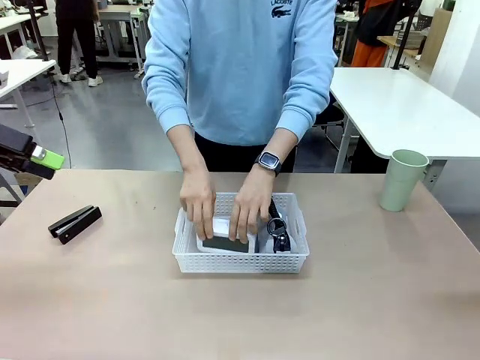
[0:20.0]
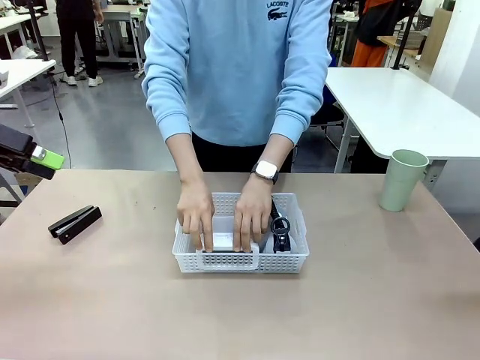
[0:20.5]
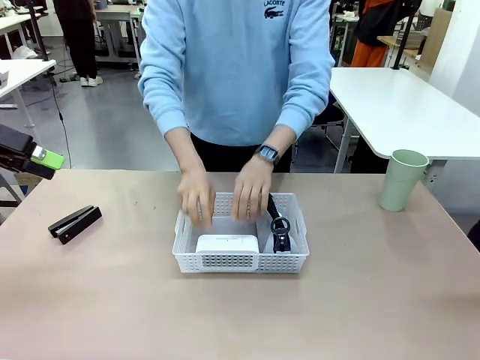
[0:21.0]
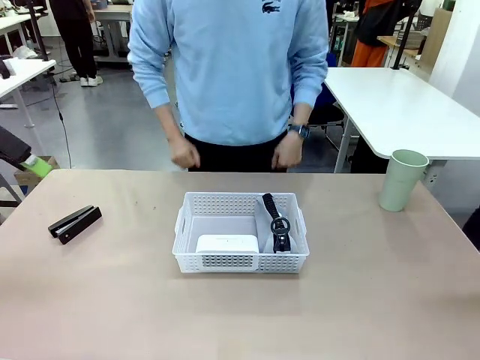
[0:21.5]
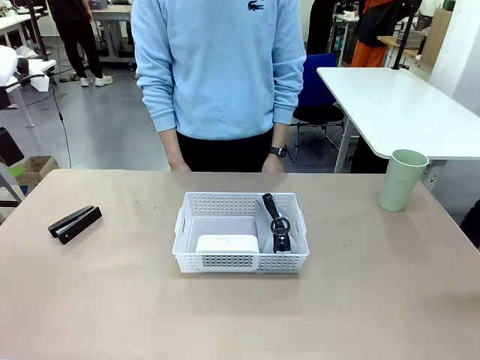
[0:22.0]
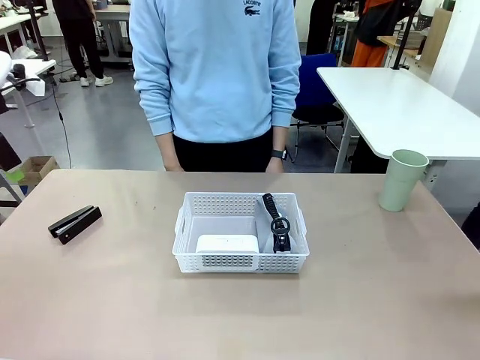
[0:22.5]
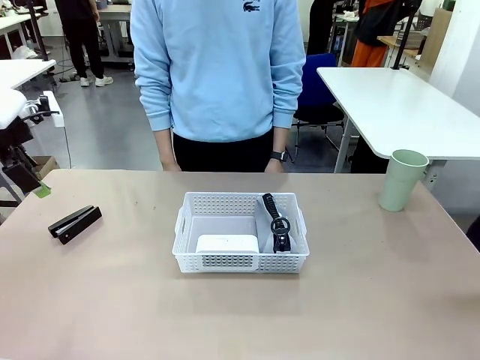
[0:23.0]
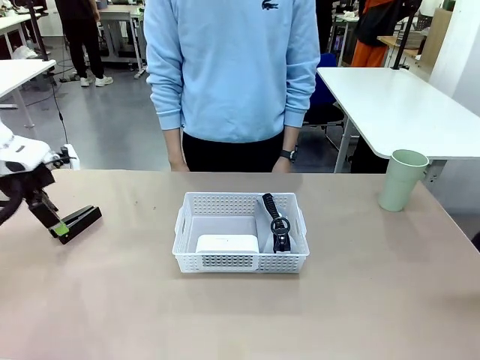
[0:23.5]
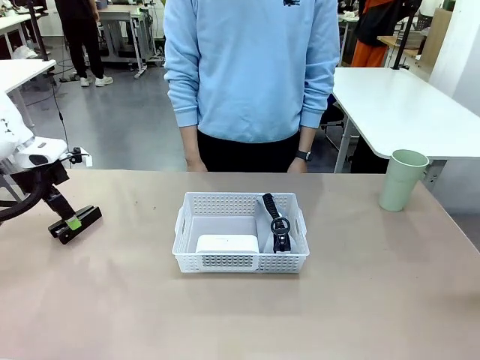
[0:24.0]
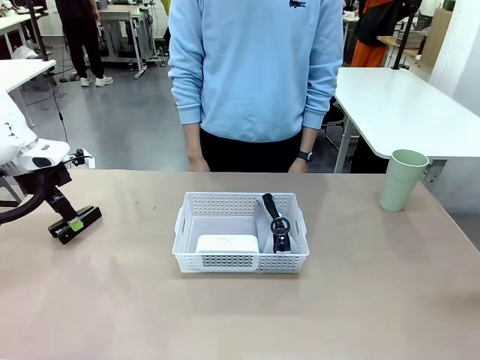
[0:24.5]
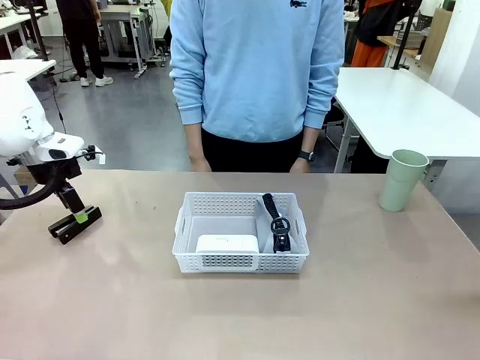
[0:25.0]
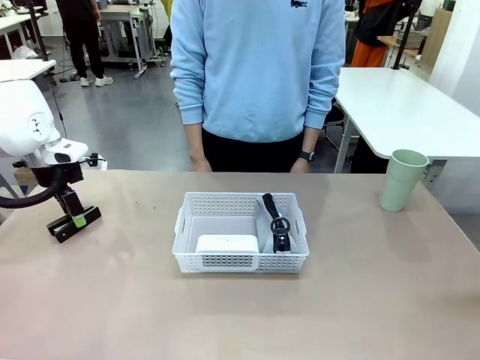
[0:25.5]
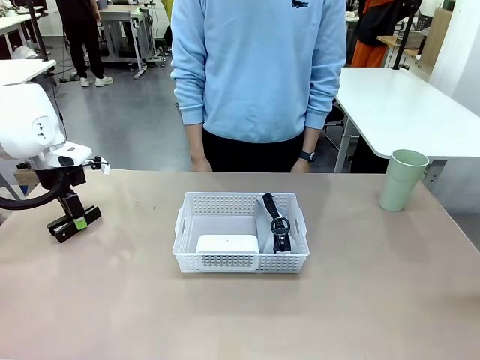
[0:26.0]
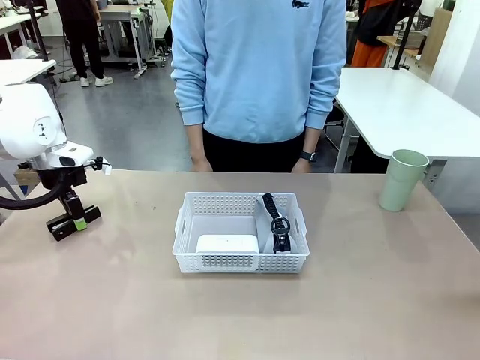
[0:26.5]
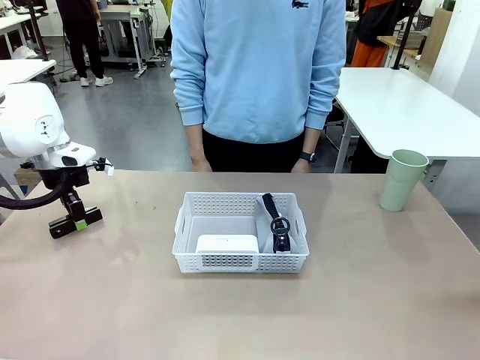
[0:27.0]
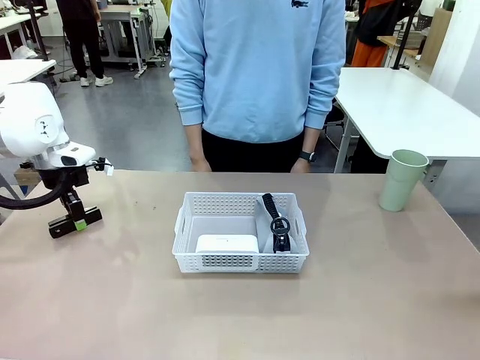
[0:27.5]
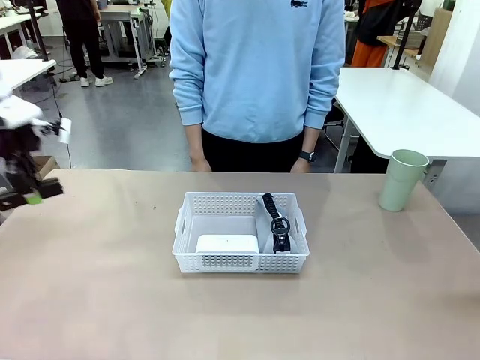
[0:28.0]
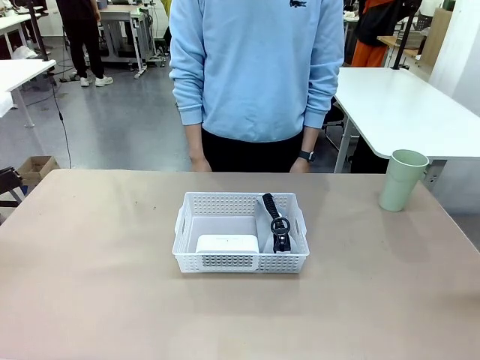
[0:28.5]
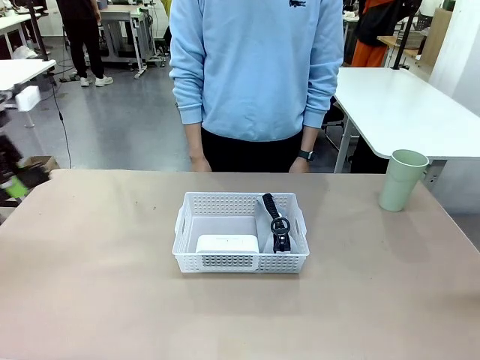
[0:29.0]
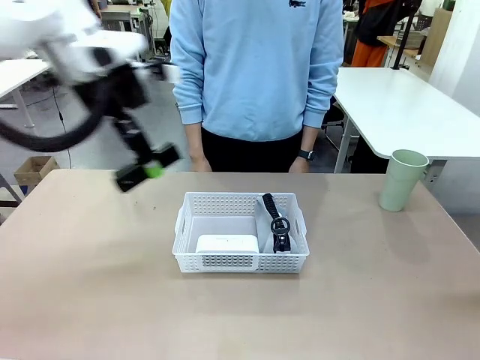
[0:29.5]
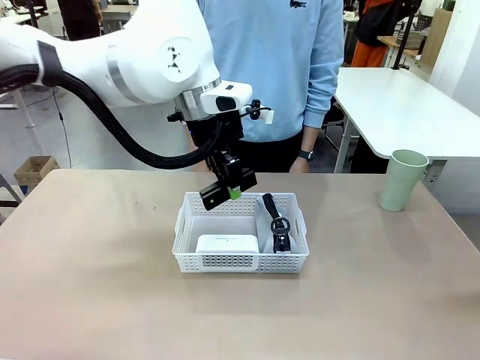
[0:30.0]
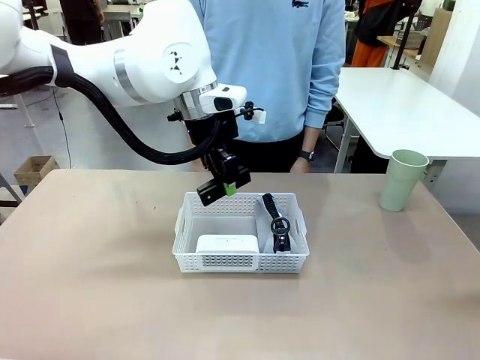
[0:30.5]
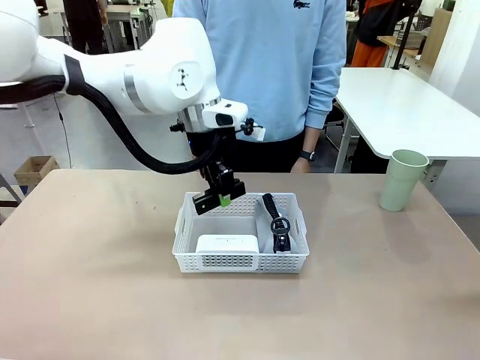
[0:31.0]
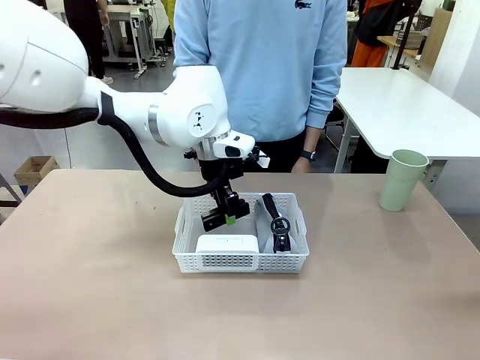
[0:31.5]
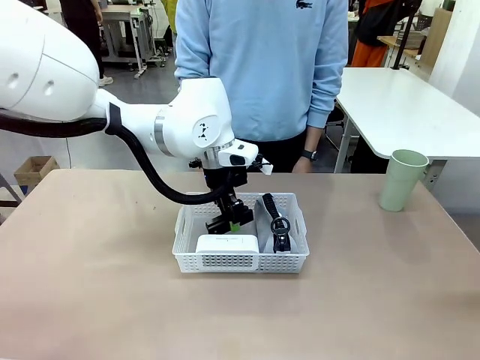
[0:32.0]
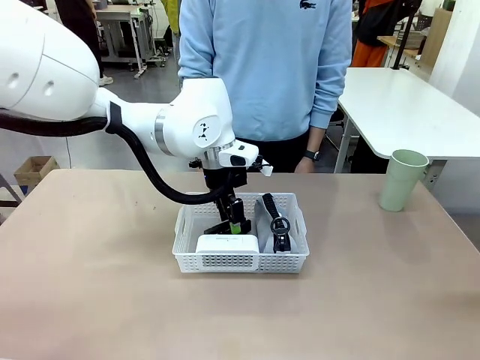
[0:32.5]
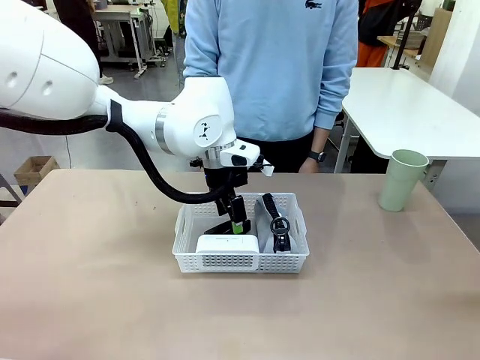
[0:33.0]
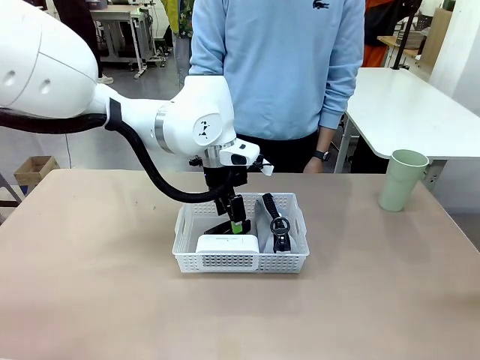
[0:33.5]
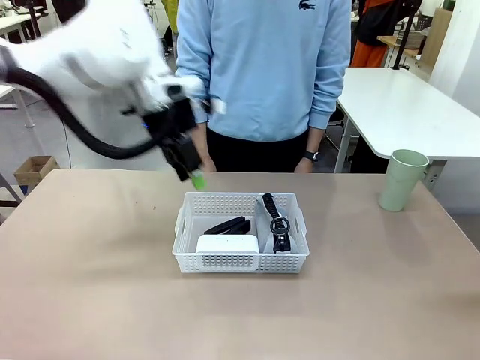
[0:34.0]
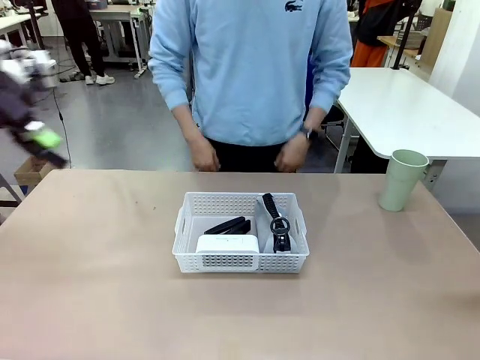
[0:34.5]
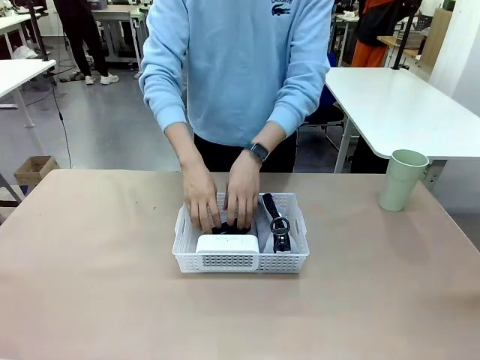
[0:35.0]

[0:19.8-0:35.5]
Task: Efficiently arrange items inside the basket to fit them all.
Robot: Pick up the Stapler and place it inside the Organizing basket.

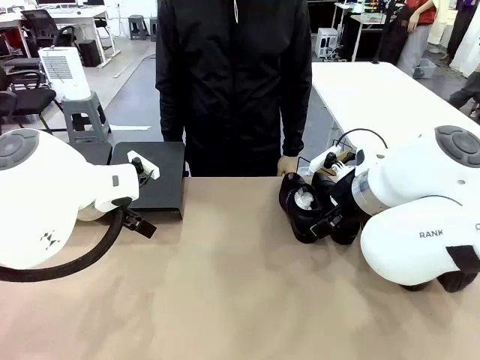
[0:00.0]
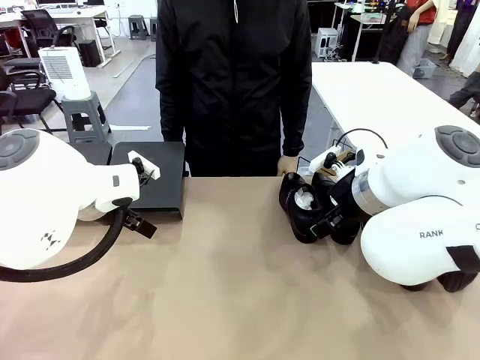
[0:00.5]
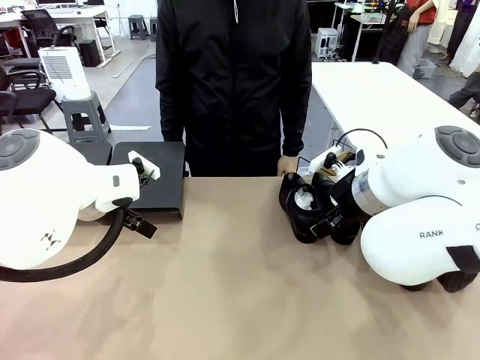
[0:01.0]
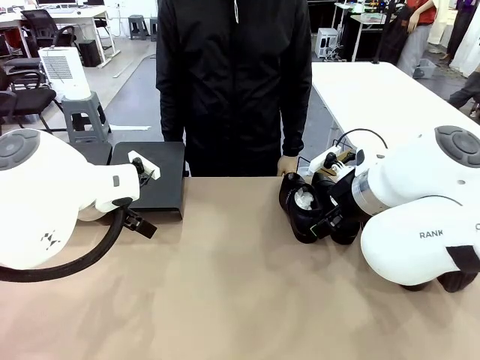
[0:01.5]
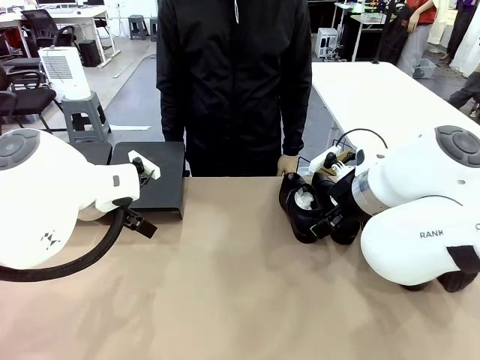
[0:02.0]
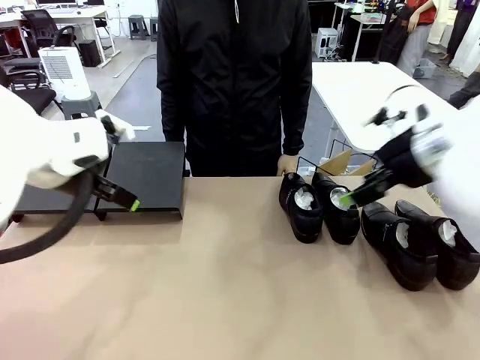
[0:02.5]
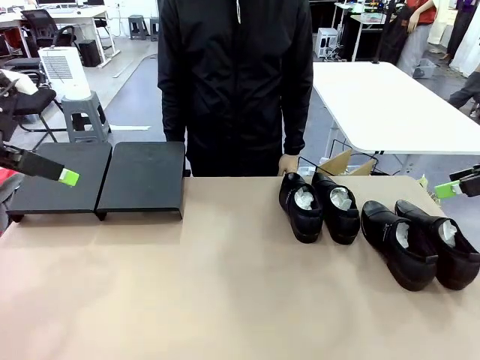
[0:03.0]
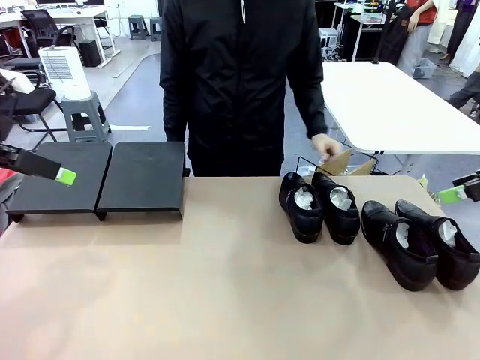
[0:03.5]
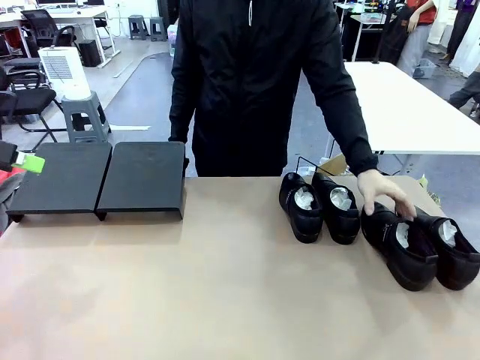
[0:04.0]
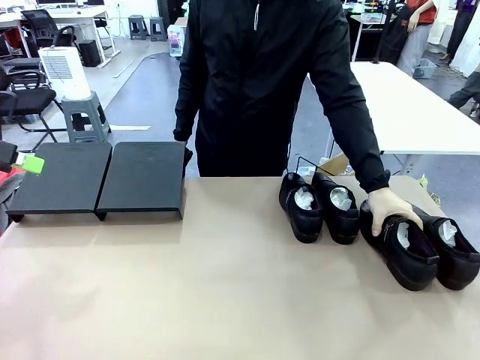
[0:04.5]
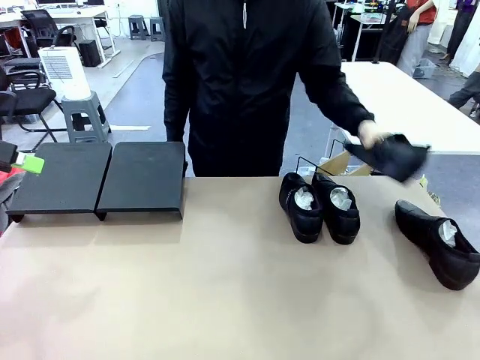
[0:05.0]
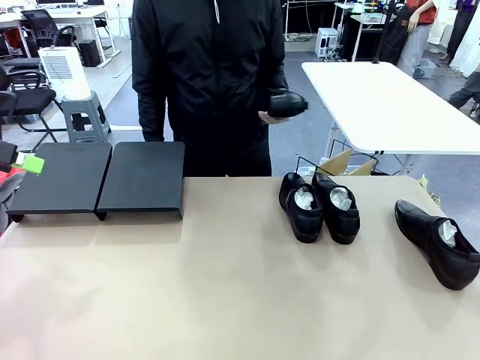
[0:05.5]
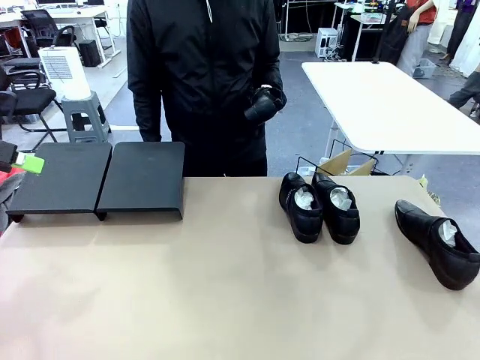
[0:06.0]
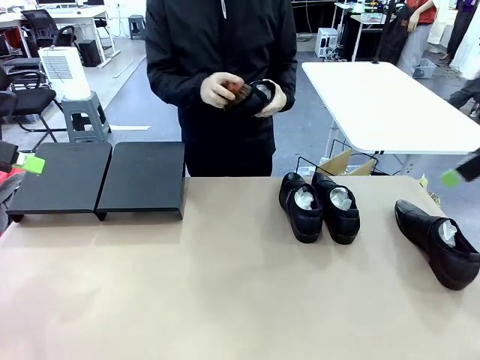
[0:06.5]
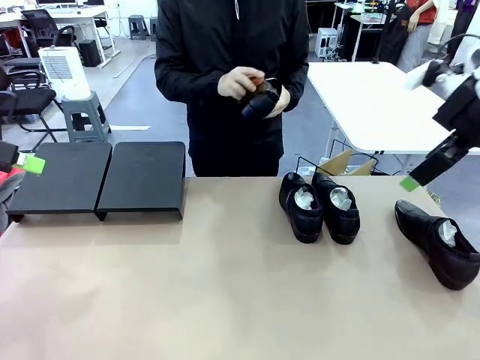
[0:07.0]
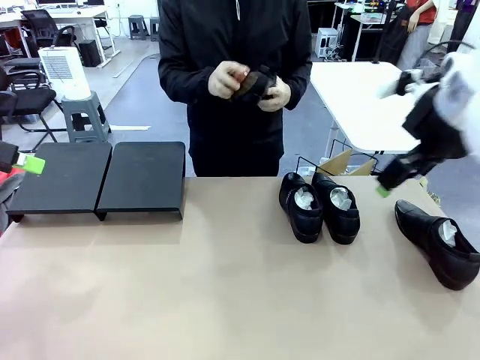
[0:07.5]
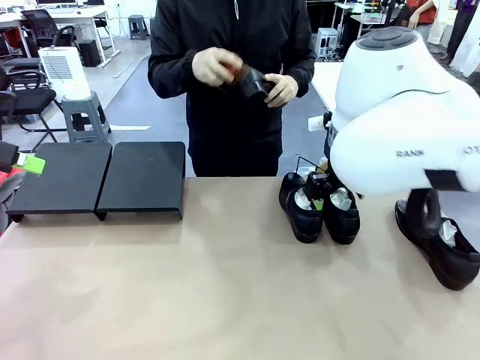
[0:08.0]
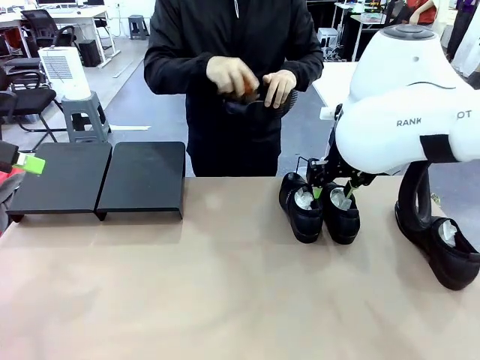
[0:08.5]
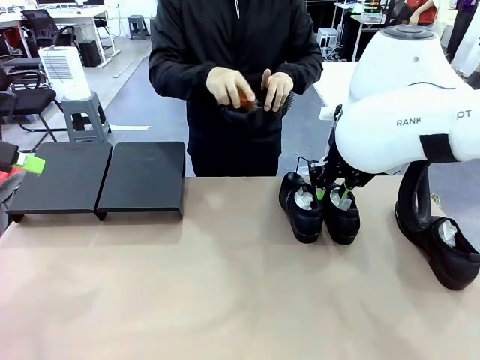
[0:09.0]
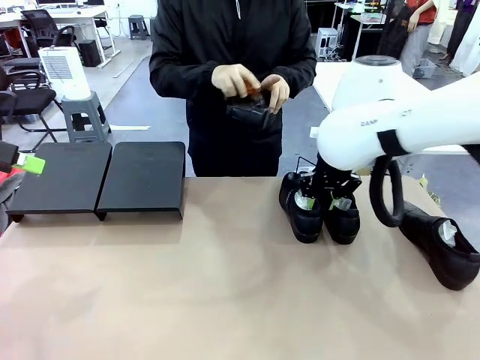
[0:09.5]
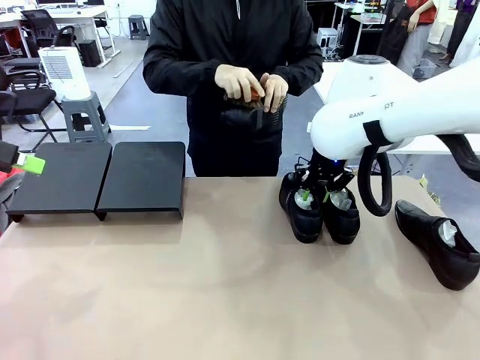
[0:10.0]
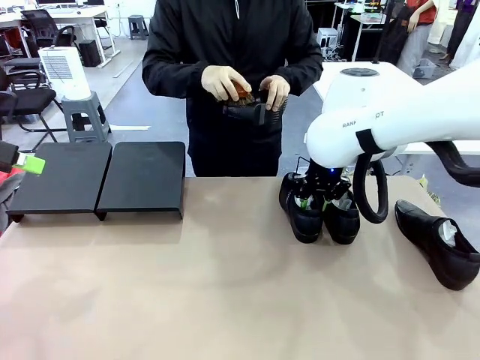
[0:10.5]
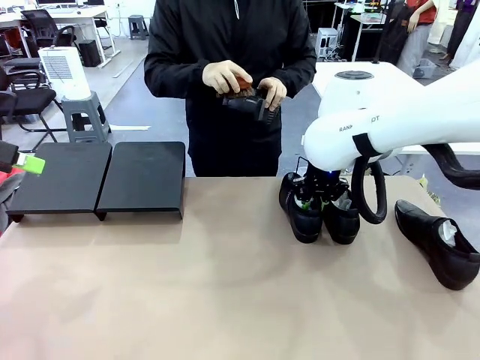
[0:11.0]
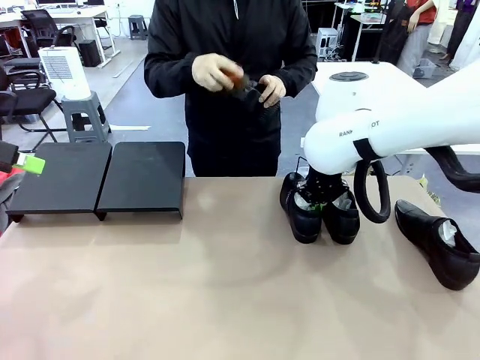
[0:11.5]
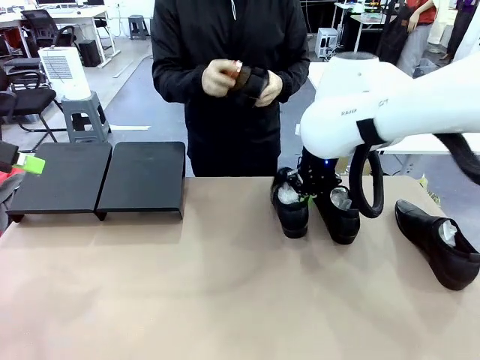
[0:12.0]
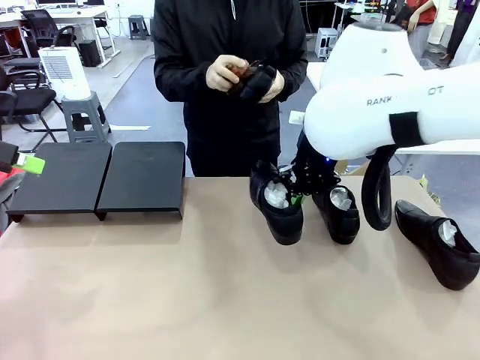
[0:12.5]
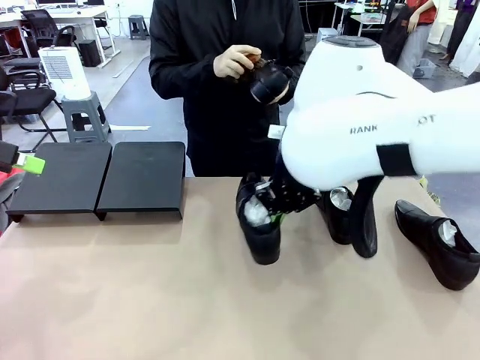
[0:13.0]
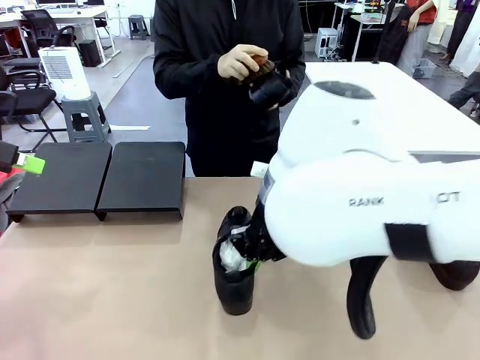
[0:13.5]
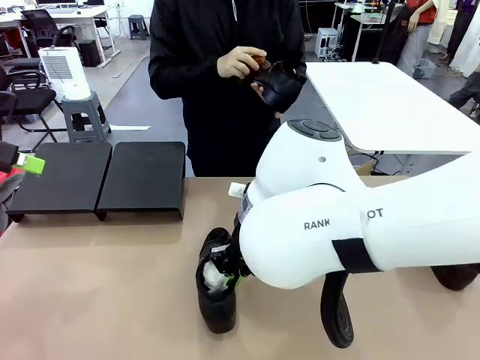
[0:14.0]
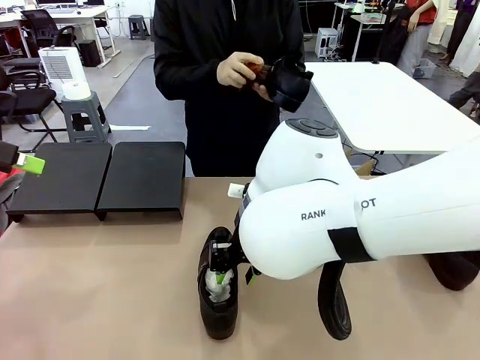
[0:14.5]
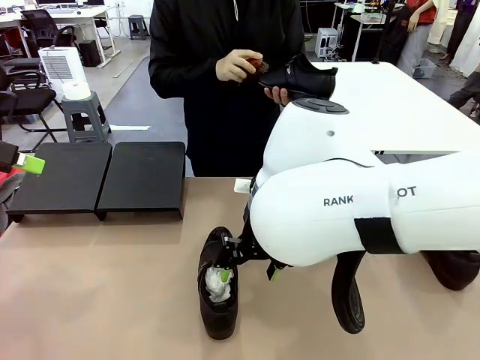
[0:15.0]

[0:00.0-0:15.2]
Task: Organize the shoes by placing them on the stand.
Robot: Pick up one Shoe and place it in the middle of the table.
Person: Pick one Shoe on Robot's table. Clean the Shoe with the Shoe Brush.
